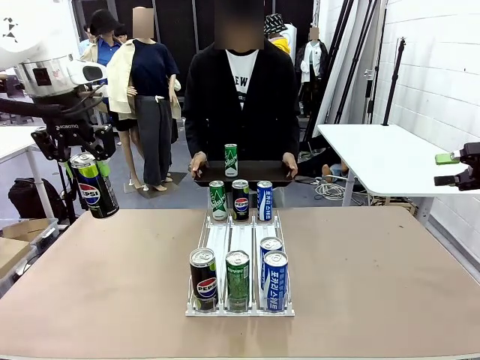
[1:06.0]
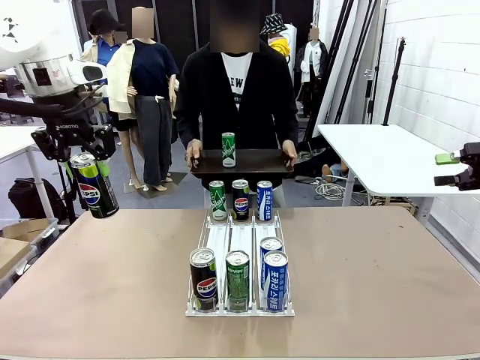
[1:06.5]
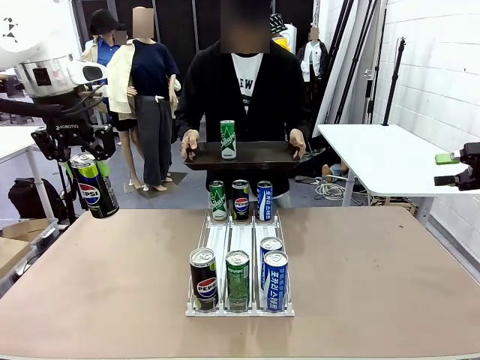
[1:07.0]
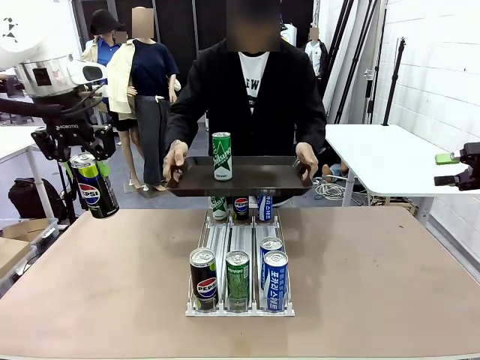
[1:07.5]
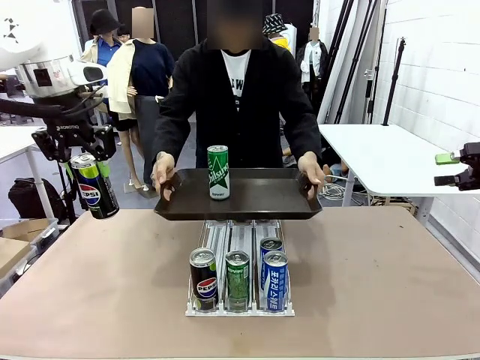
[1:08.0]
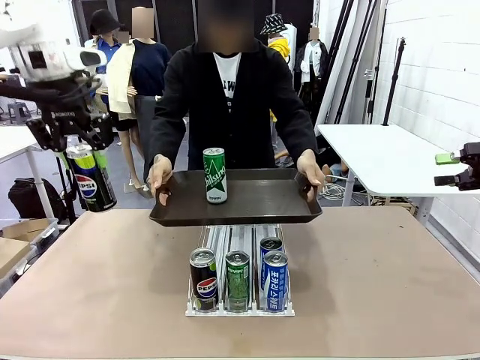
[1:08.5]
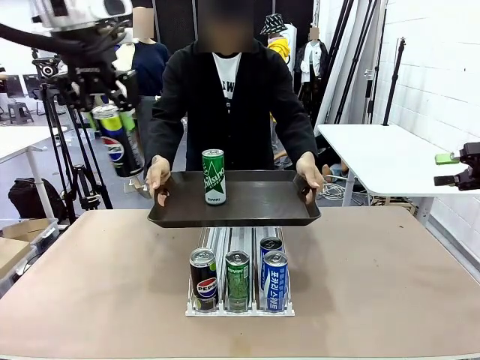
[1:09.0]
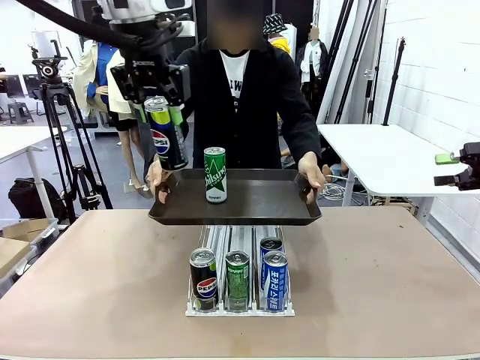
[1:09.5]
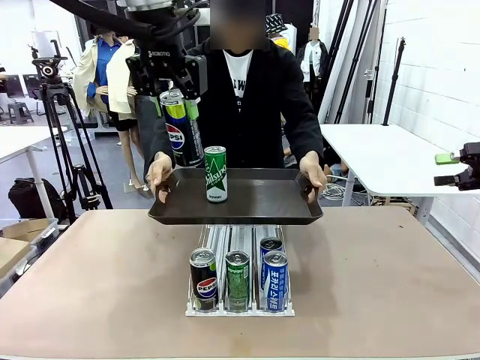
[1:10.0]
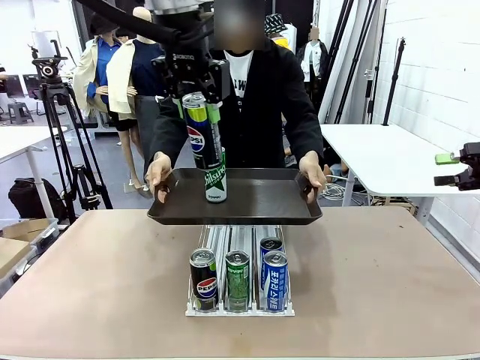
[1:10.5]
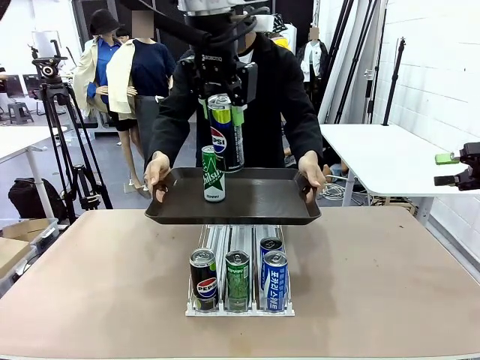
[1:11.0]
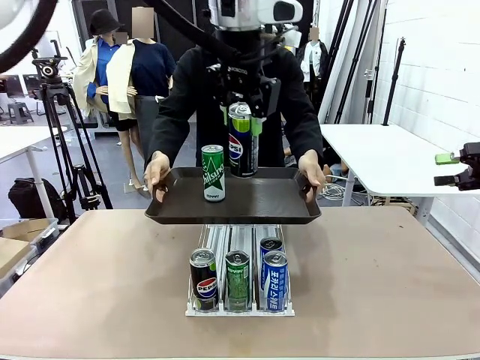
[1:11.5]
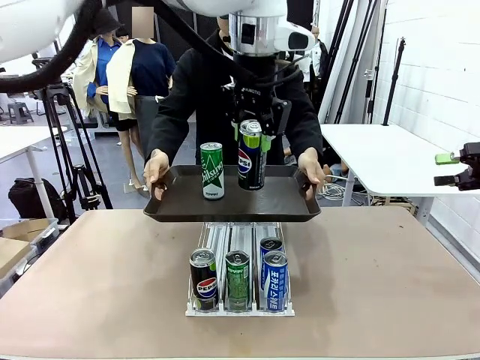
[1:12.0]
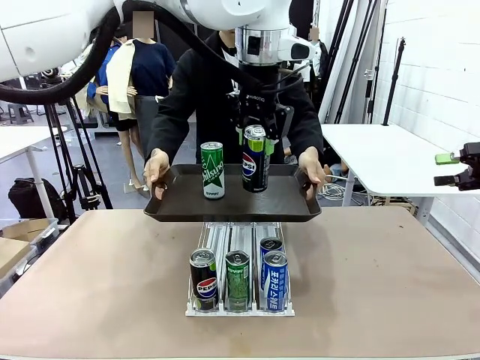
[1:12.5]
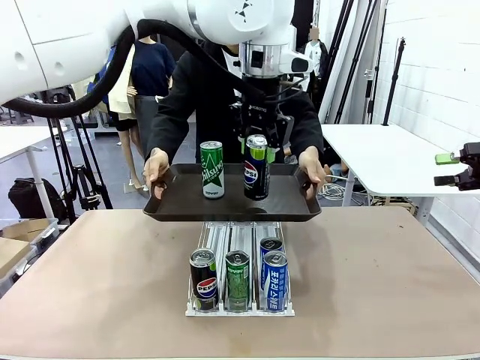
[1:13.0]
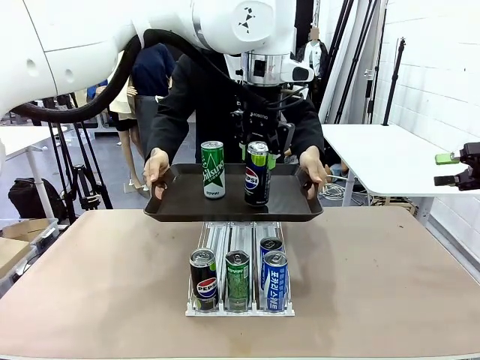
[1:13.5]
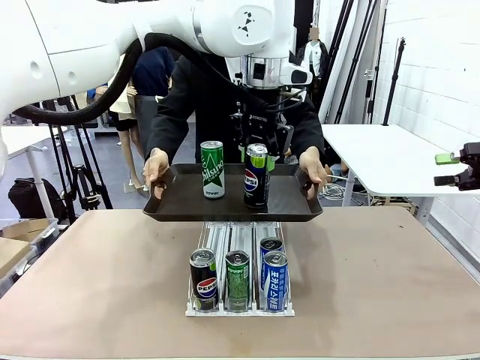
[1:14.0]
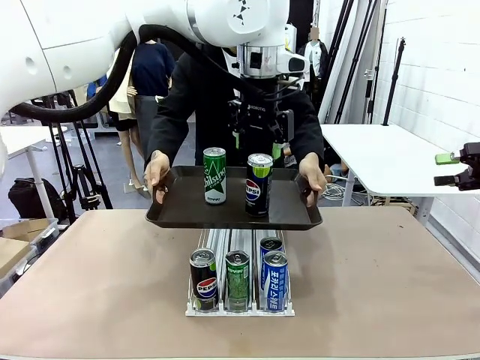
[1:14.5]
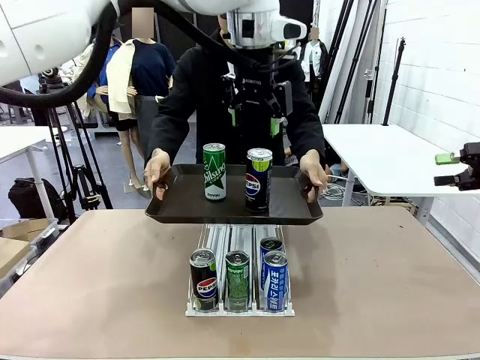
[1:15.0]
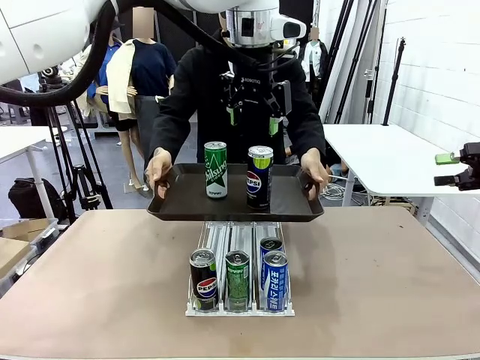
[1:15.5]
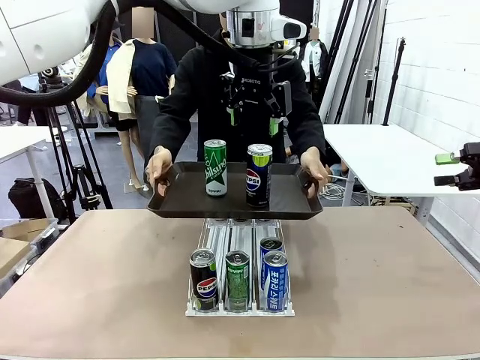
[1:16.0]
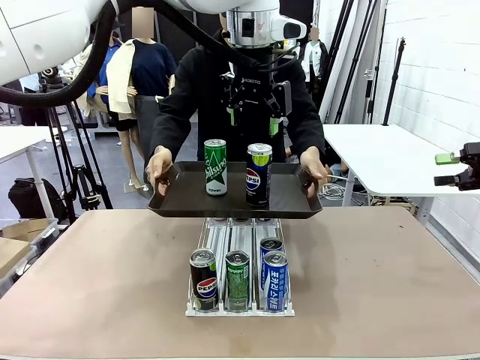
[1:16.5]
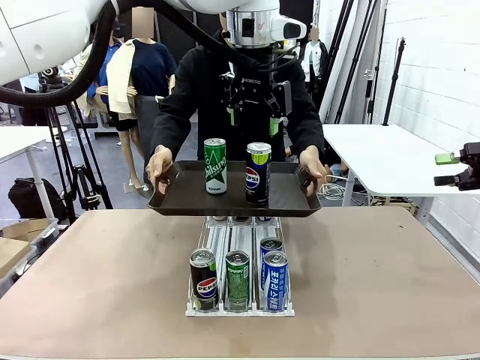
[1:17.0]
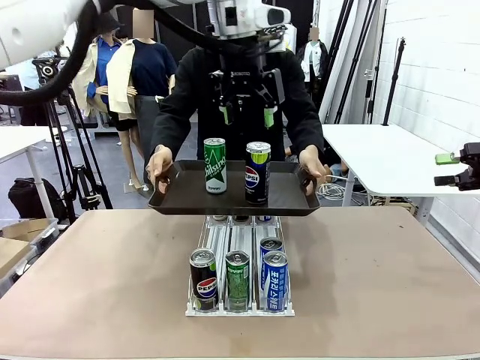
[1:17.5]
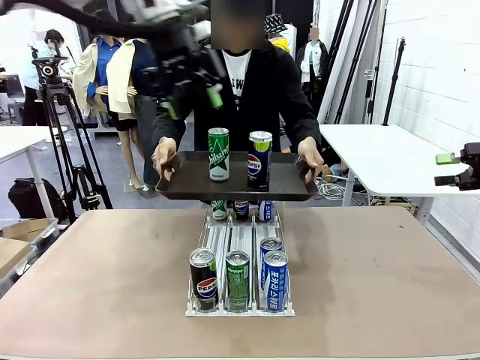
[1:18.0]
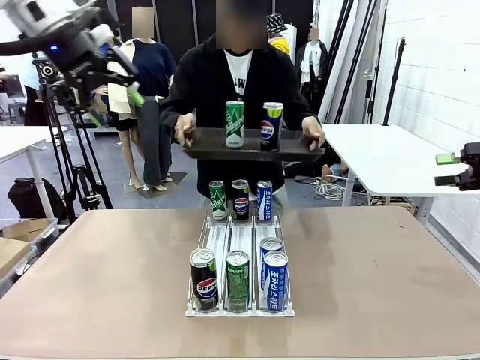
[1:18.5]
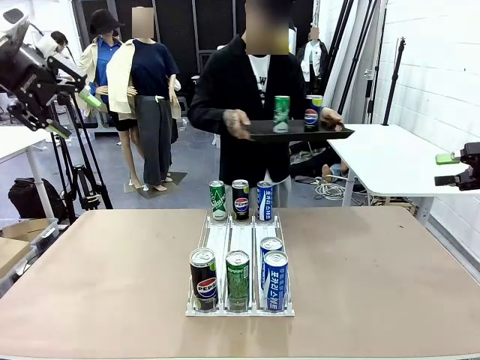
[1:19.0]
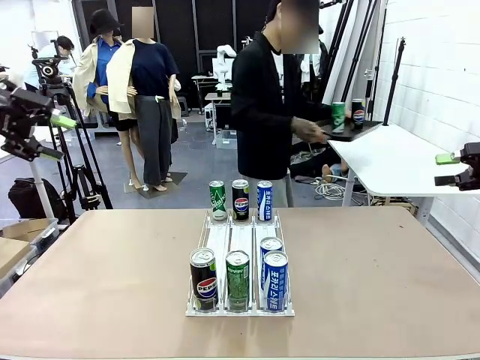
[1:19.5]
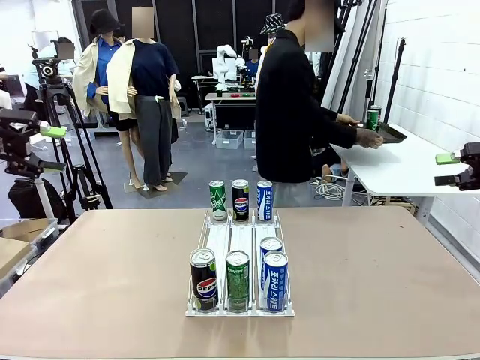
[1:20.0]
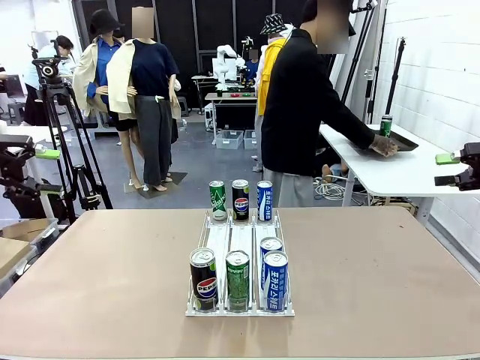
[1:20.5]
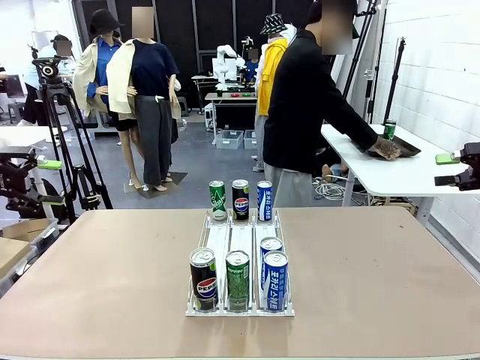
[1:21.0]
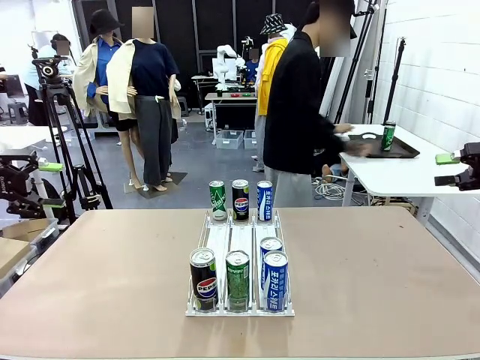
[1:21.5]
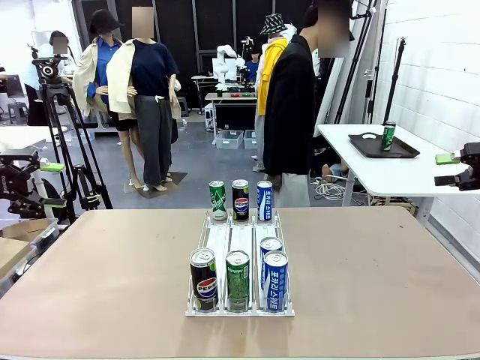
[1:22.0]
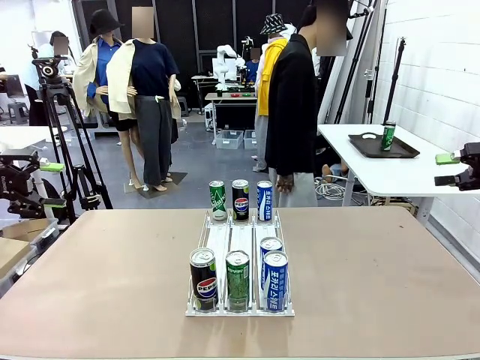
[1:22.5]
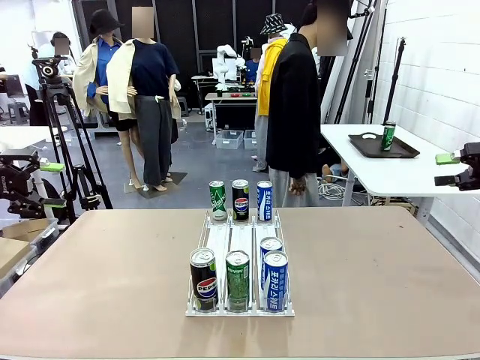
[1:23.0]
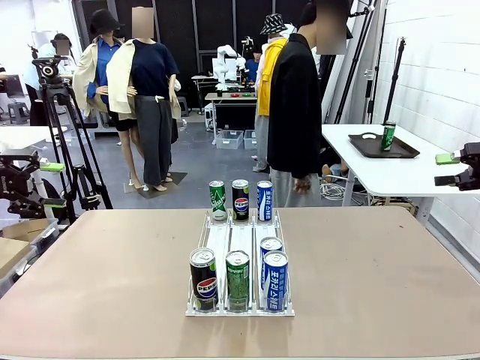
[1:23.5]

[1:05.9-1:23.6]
Task: Retrieve and hand over the desired beverage to the person.
Robot: Place the picked can on the Handle tray extended by the person.
Person: Pull the tray back and place it at the center of the human table.

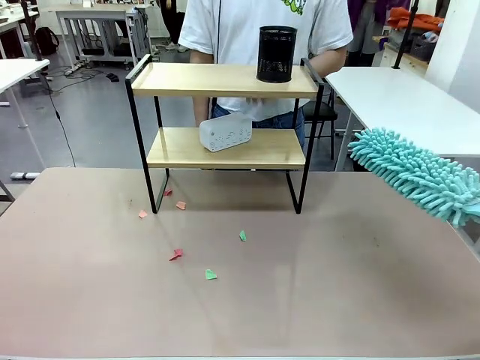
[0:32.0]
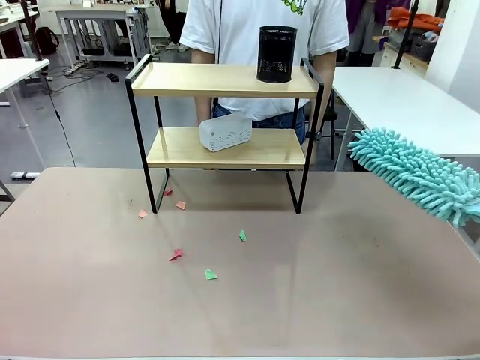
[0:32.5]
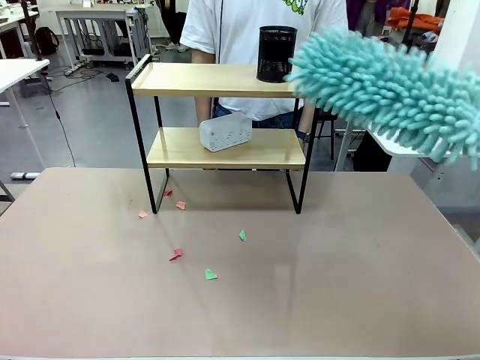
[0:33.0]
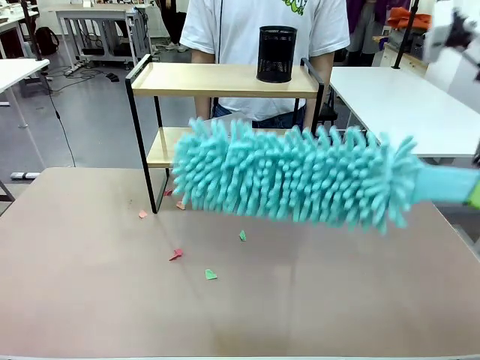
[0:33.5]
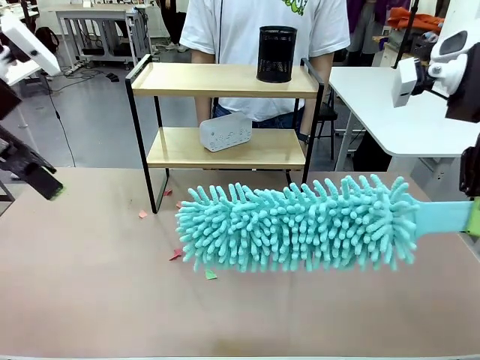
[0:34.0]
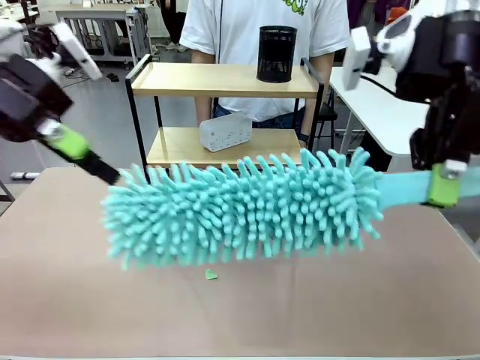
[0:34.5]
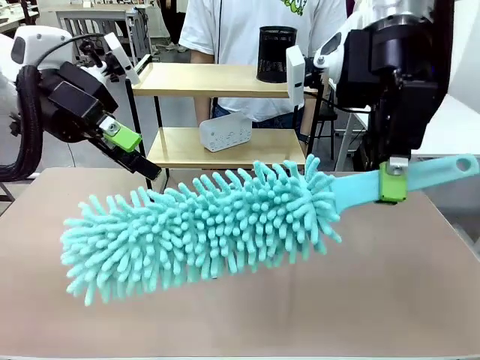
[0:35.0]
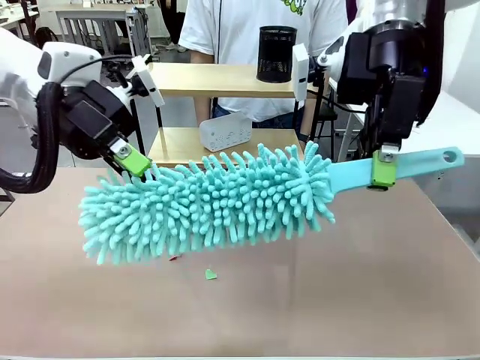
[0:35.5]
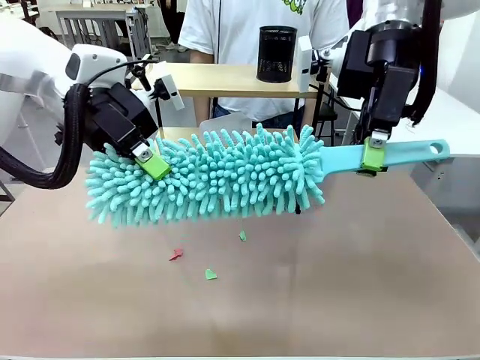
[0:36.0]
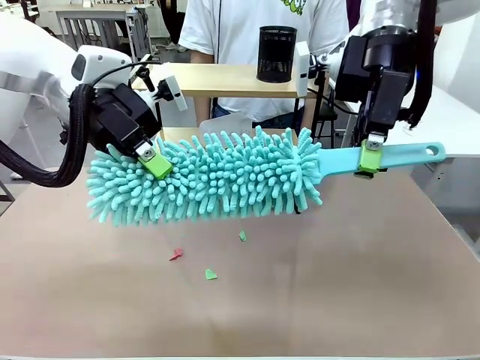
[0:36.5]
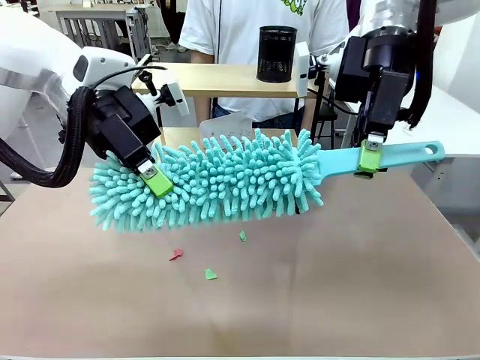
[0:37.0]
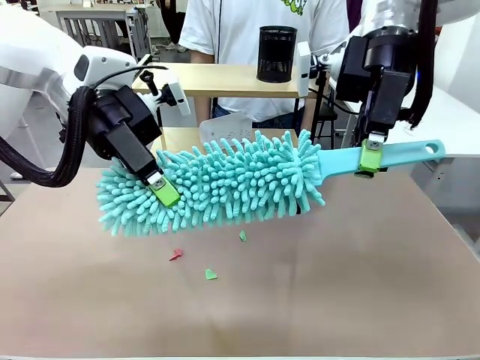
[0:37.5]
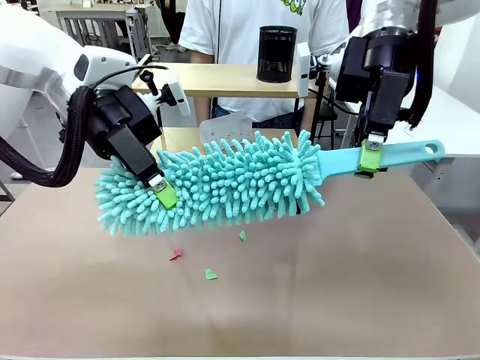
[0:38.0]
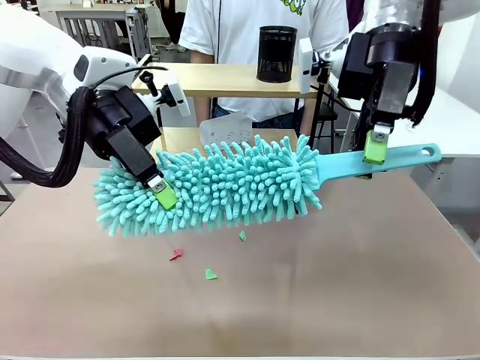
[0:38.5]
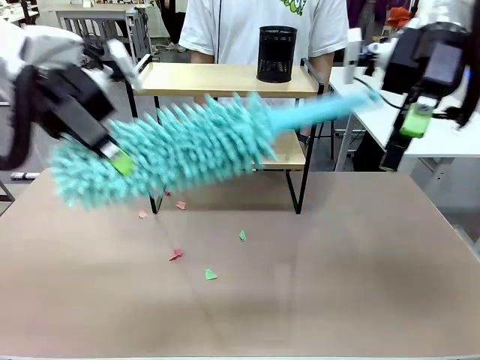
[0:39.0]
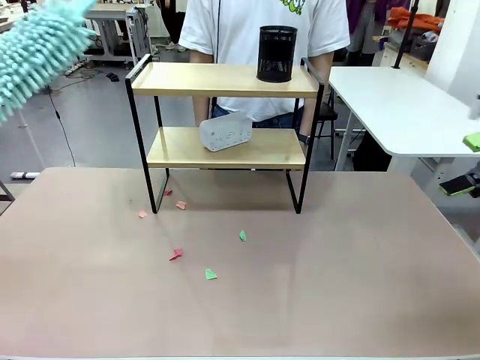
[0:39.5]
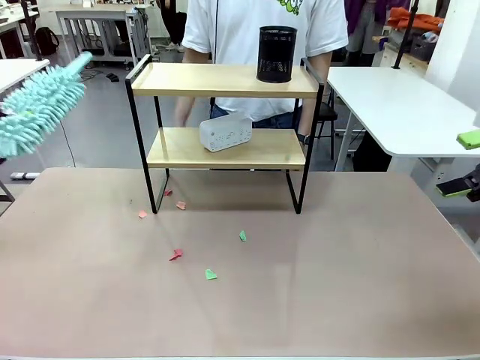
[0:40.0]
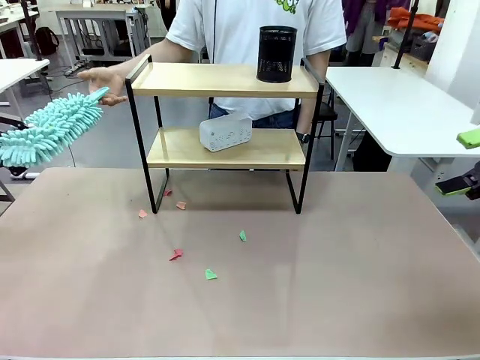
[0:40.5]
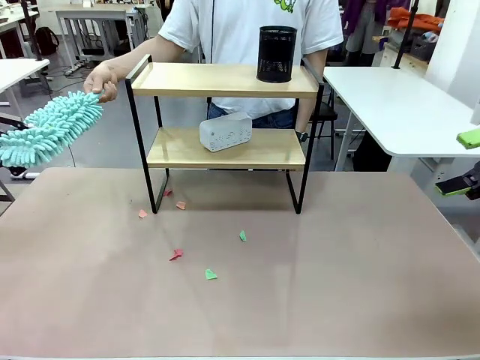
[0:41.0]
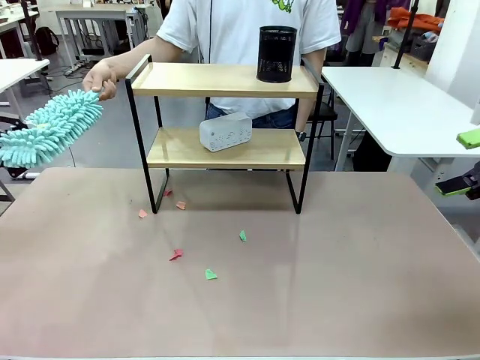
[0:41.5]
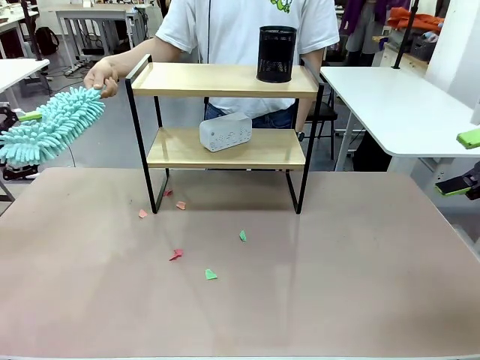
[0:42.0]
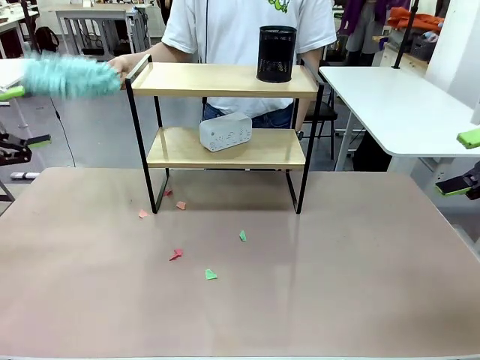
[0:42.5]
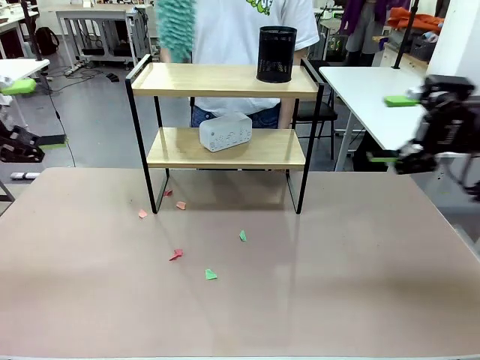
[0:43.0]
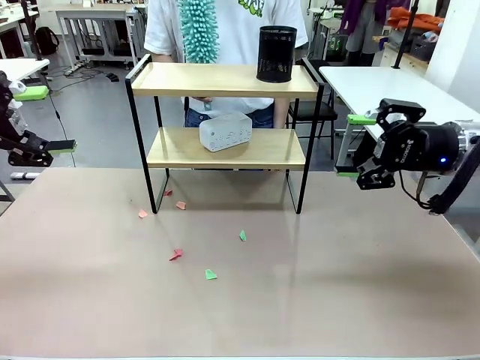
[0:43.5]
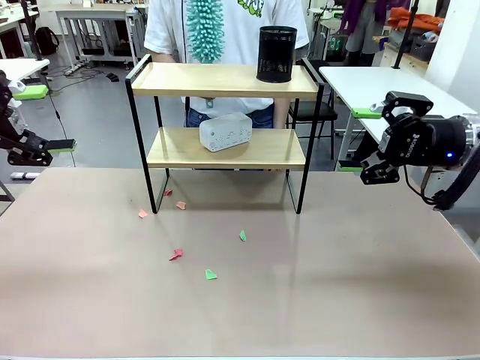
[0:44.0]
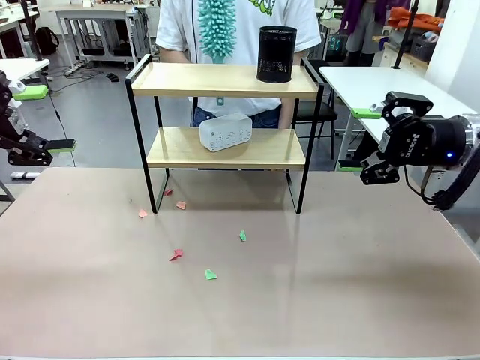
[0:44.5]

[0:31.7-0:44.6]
Task: Clean the shelf.
Robot: Hand the Duster back to the human.
Person: Receive the Duster from the robot.
